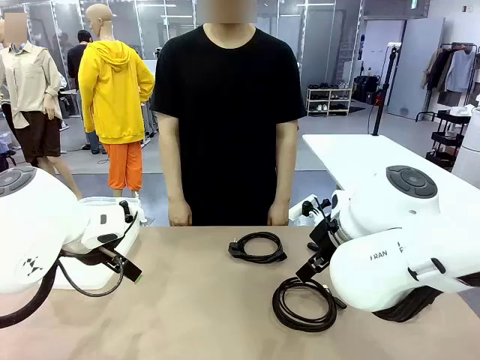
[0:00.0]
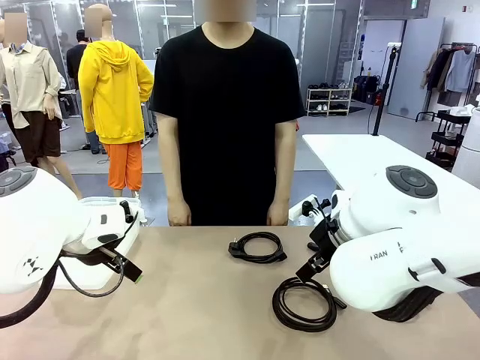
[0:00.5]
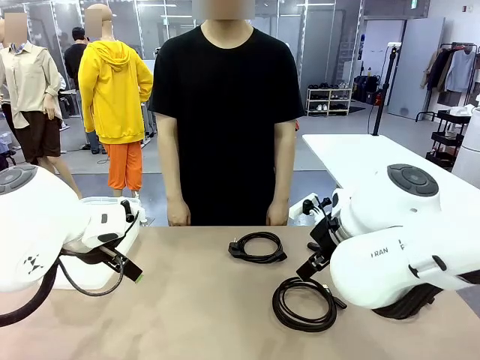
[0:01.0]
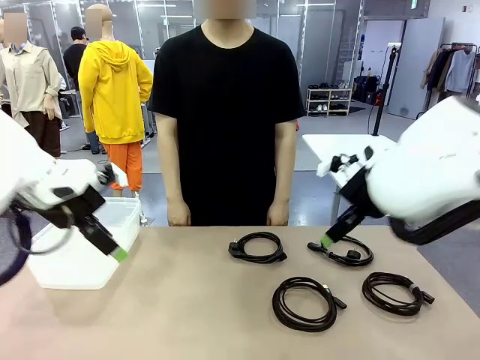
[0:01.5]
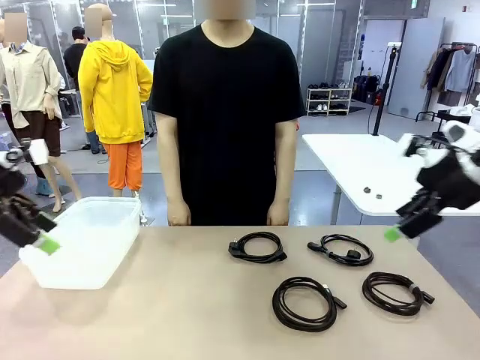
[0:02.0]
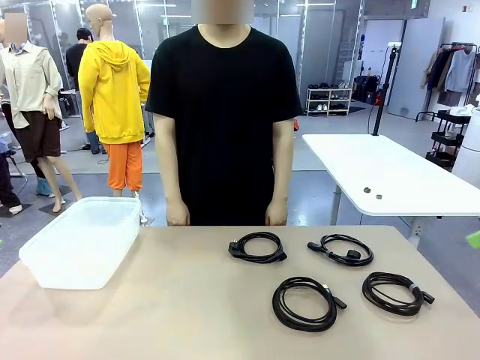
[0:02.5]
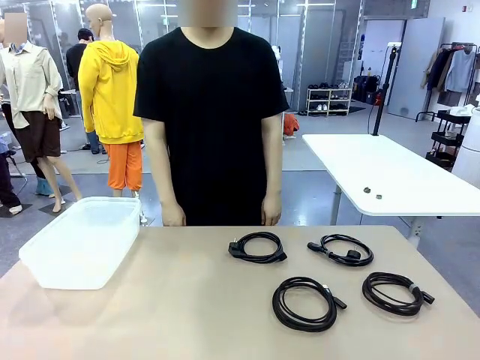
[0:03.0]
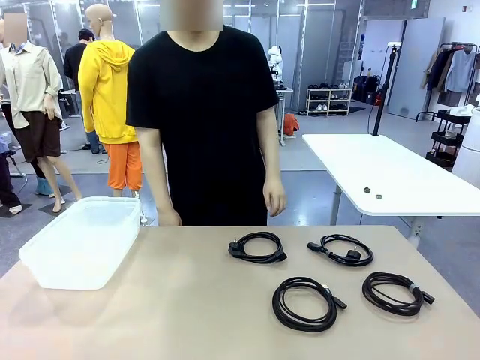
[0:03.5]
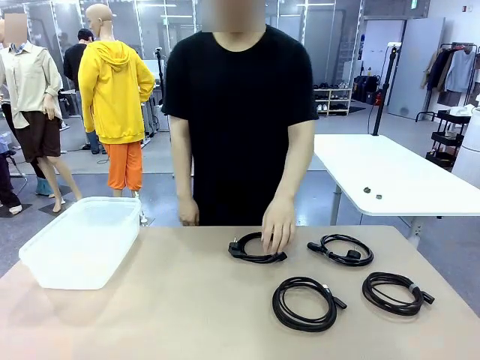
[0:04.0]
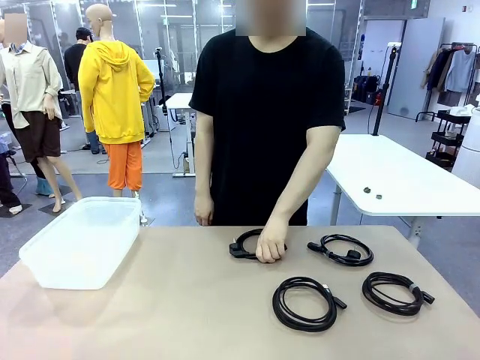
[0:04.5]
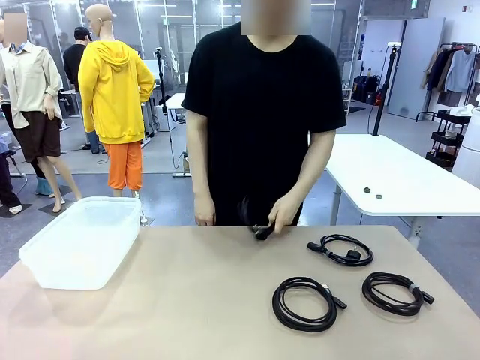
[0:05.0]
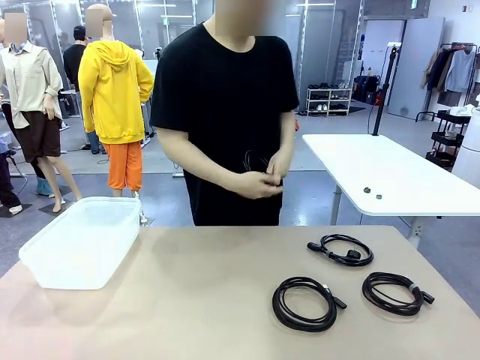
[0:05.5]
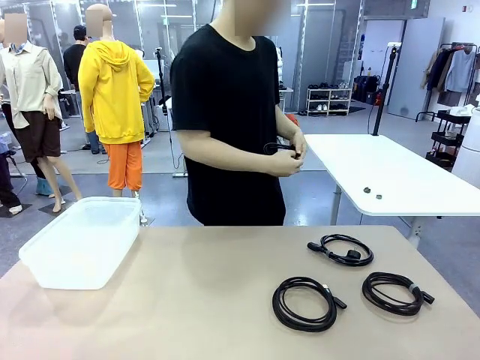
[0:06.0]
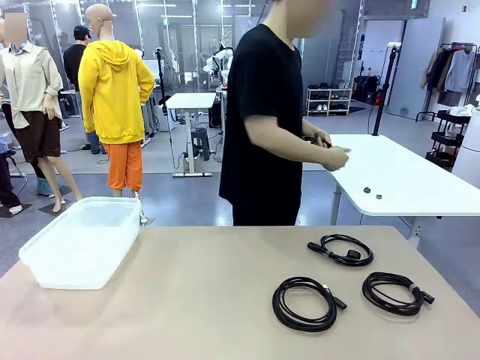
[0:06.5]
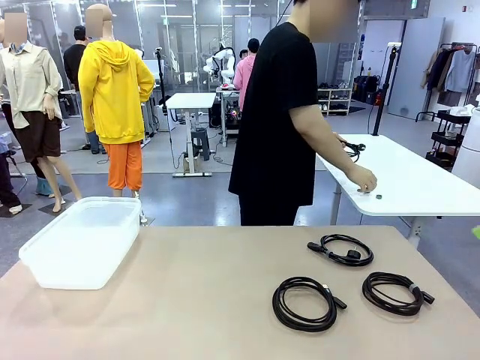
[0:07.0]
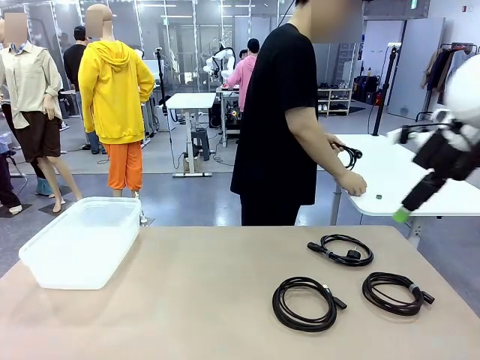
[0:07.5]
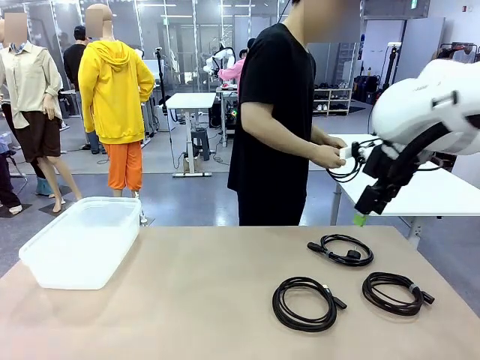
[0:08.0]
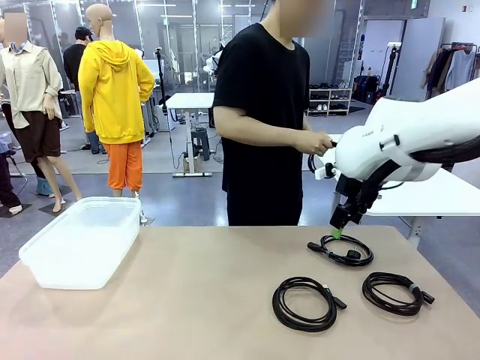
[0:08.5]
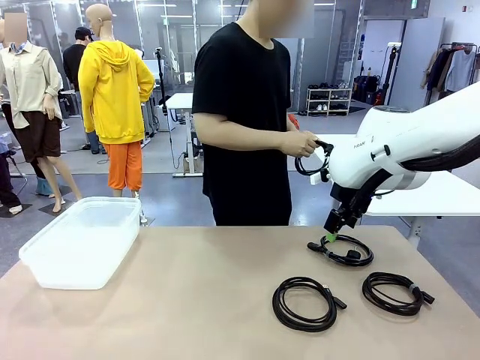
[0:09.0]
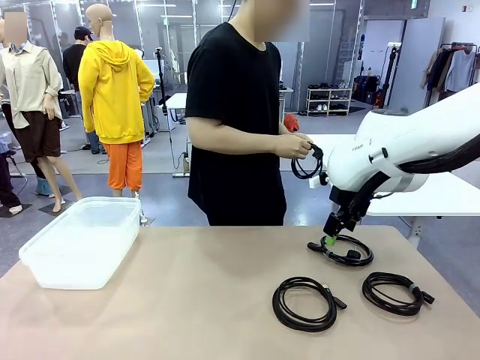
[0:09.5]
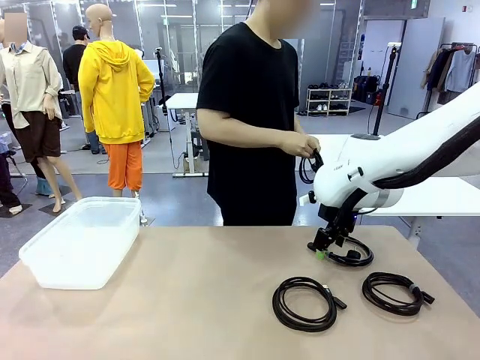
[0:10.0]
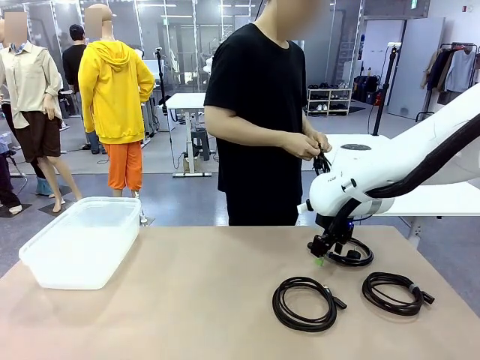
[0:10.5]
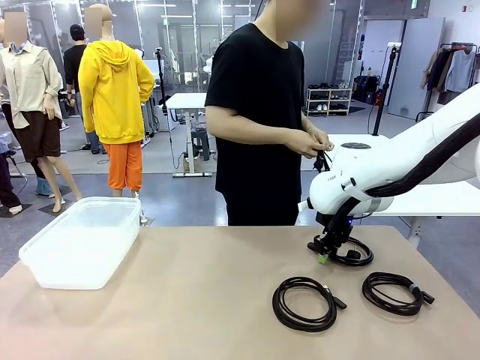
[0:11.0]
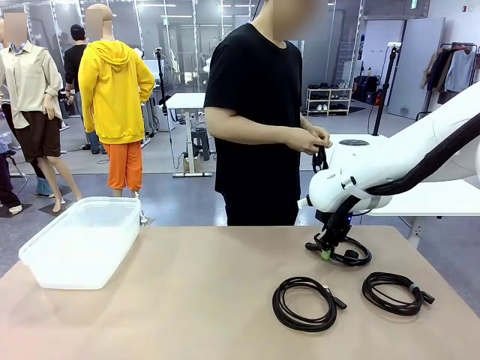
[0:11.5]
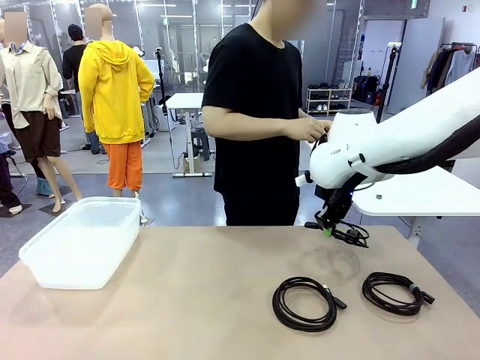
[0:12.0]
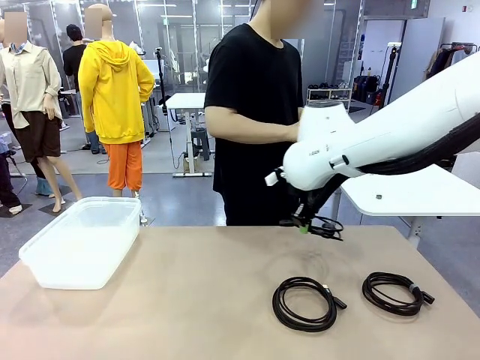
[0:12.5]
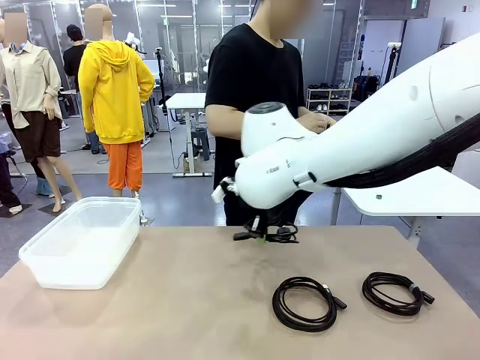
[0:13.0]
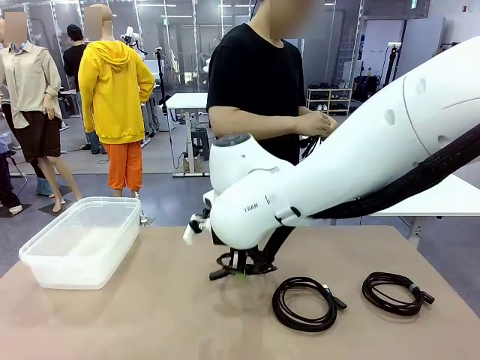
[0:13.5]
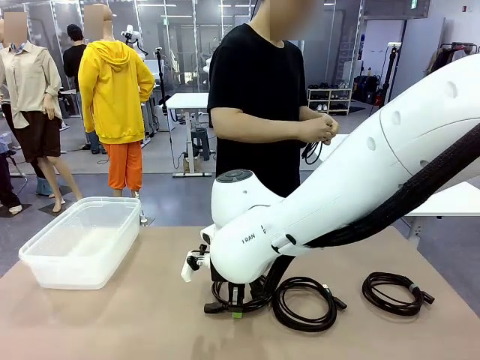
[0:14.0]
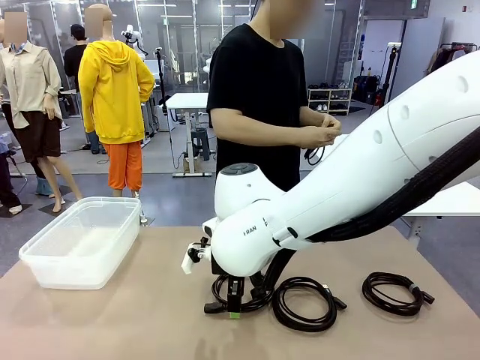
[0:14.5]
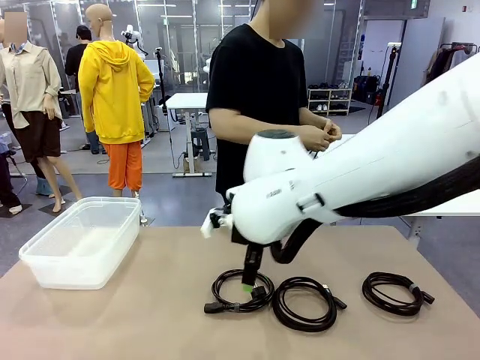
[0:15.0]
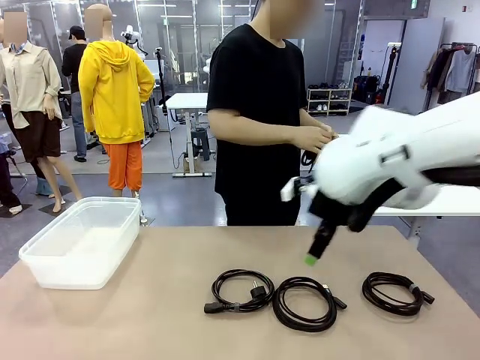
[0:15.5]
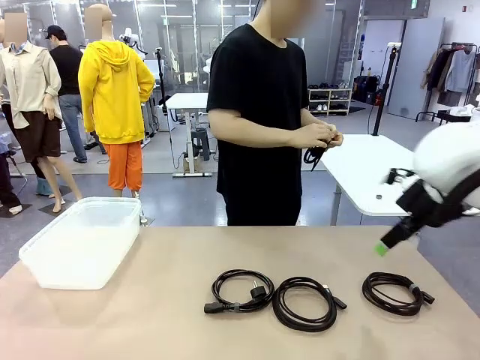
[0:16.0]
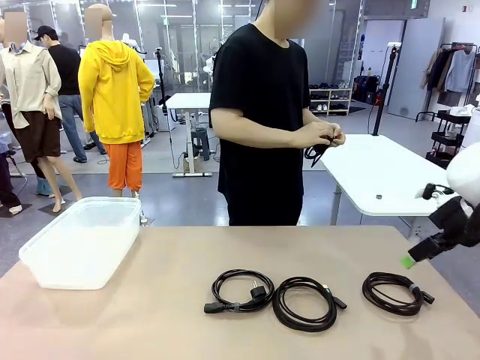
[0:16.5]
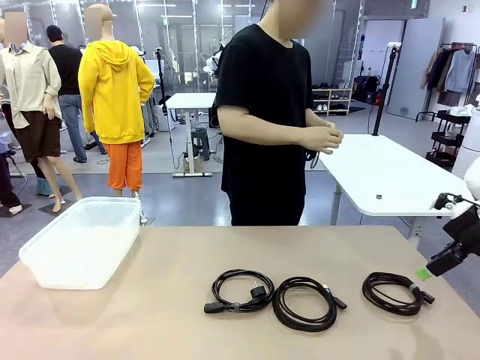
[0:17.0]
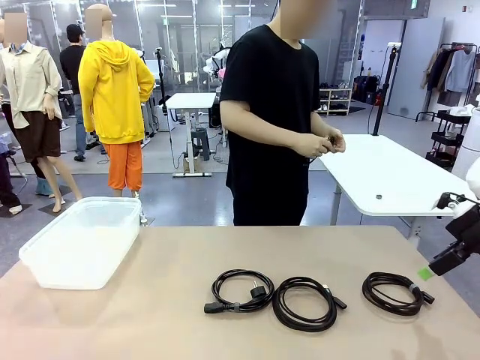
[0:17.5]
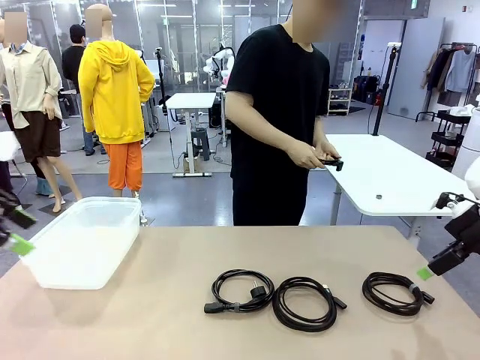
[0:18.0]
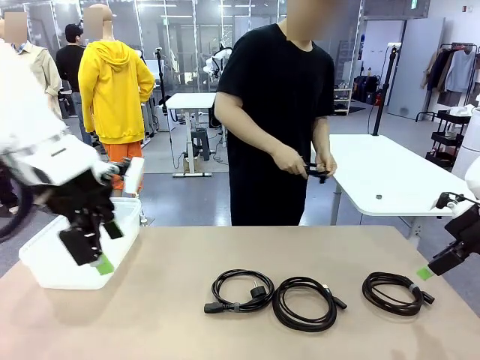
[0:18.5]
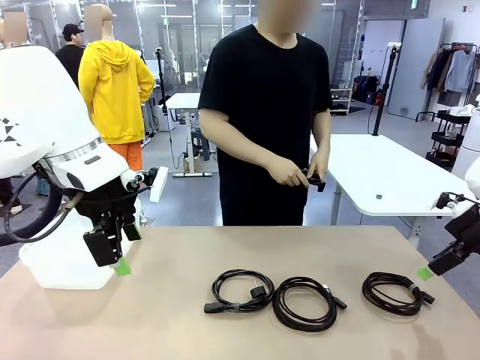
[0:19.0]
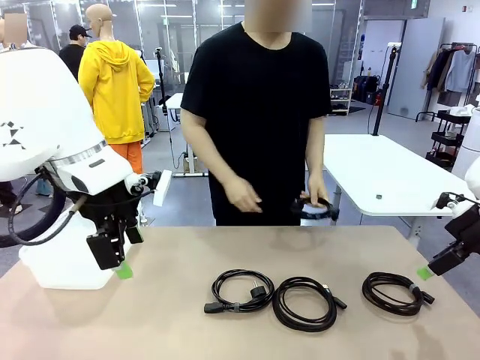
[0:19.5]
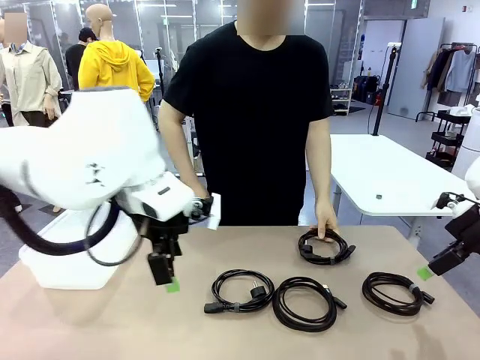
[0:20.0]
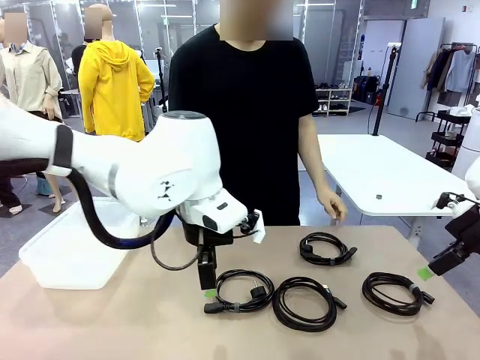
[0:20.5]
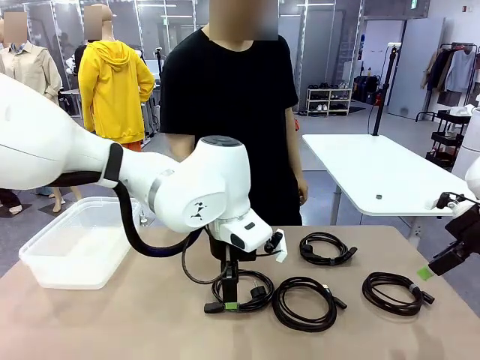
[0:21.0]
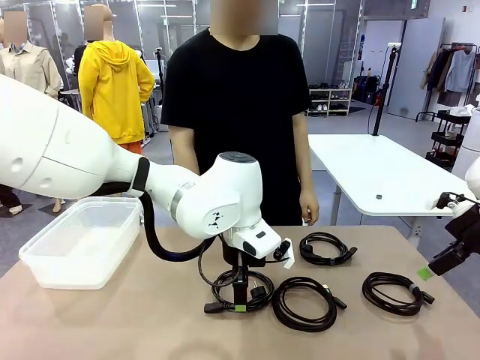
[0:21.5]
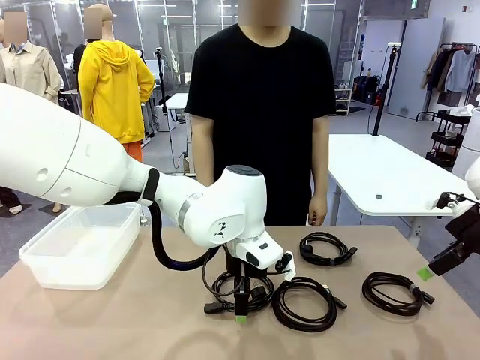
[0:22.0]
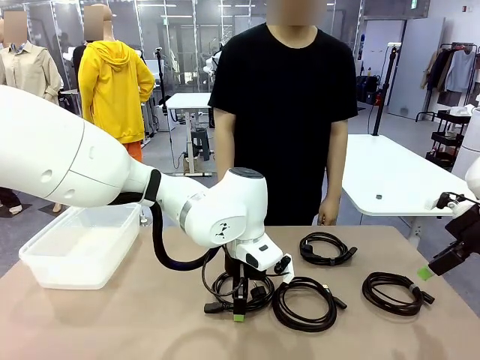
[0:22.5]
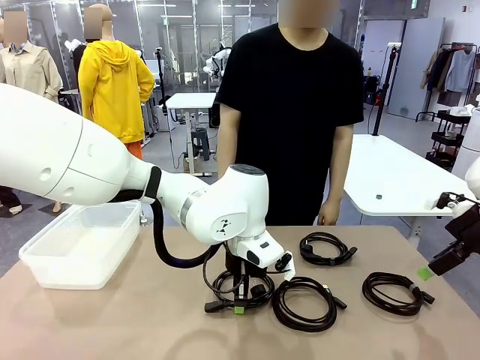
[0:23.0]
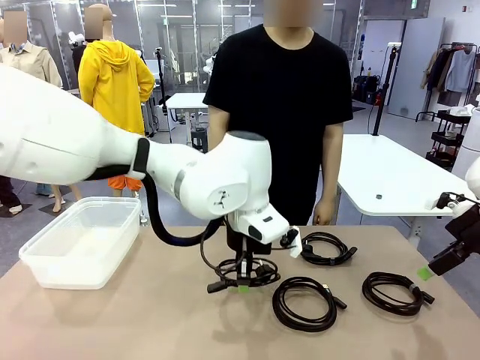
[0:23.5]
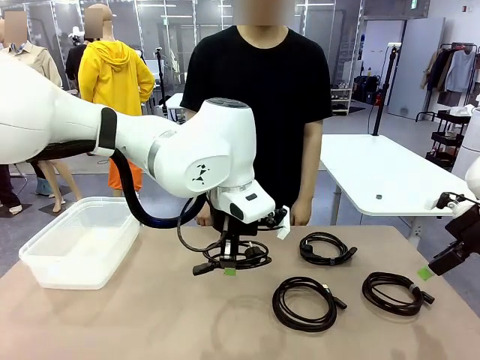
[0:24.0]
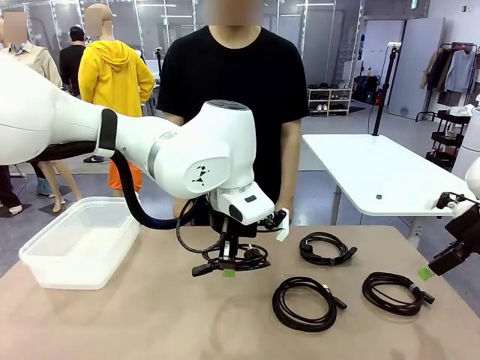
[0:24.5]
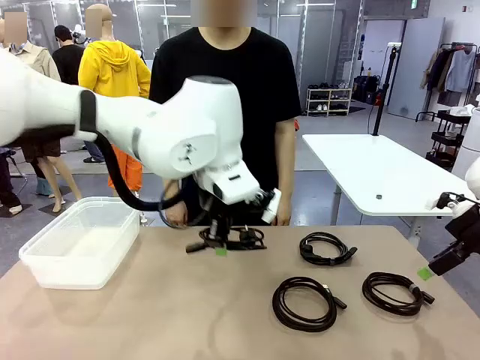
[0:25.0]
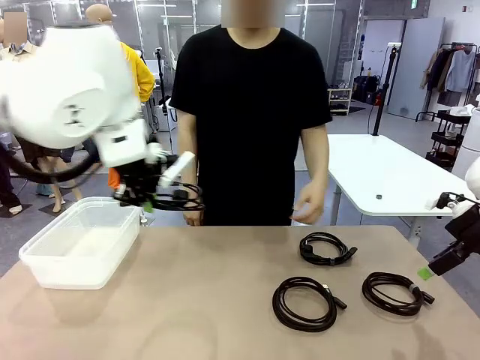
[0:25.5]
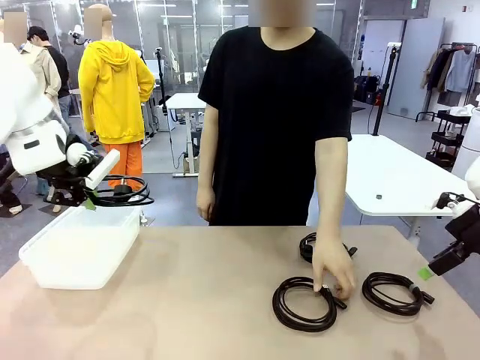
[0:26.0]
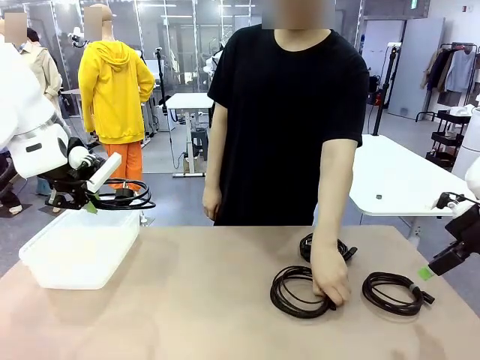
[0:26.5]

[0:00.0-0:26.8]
Task: Organize and store the cables.
Robot: Place the Power Cable into the Organizing box.
Person: Tie one Power Cable with a Reusable Cable Tie.
